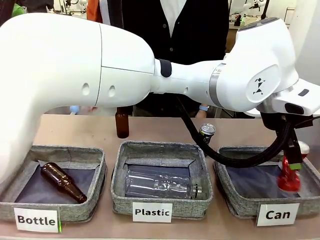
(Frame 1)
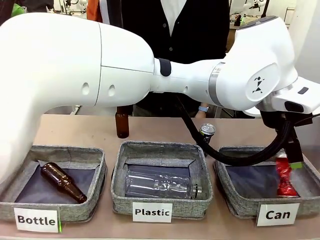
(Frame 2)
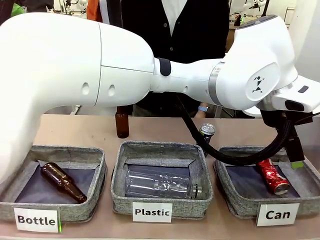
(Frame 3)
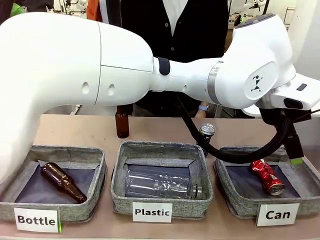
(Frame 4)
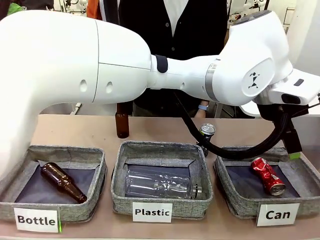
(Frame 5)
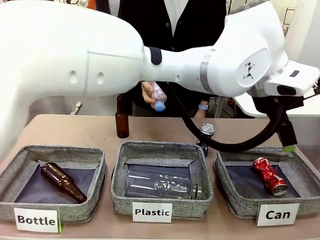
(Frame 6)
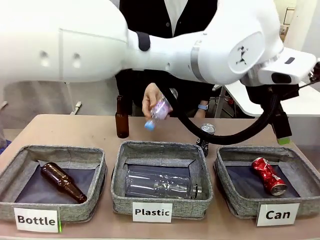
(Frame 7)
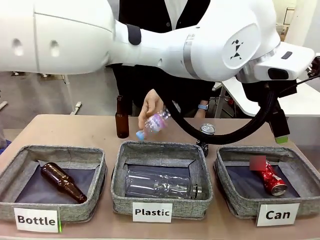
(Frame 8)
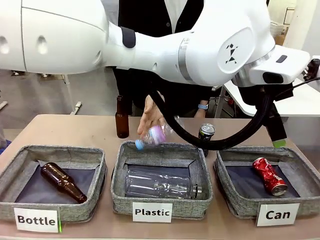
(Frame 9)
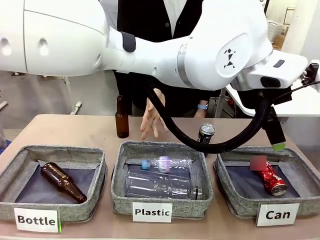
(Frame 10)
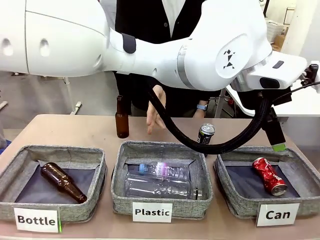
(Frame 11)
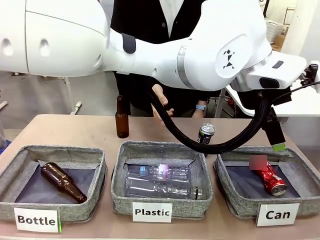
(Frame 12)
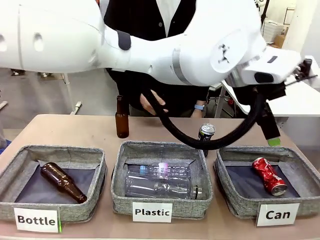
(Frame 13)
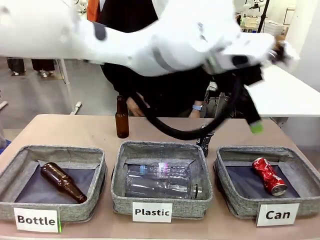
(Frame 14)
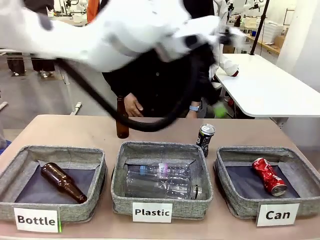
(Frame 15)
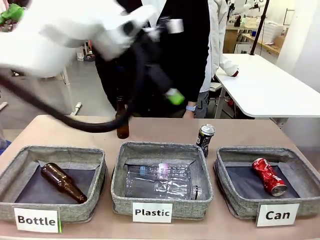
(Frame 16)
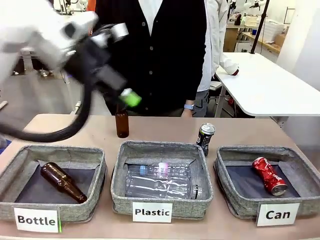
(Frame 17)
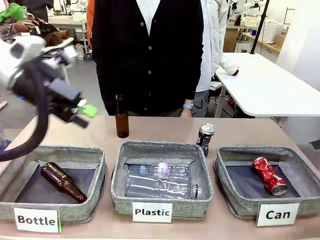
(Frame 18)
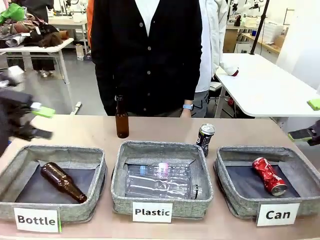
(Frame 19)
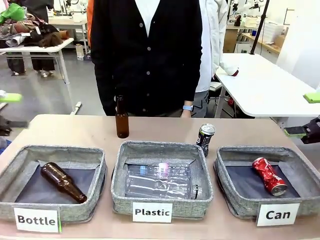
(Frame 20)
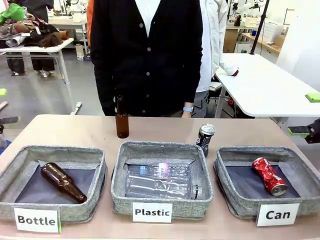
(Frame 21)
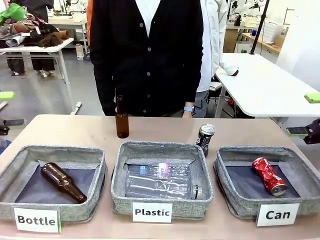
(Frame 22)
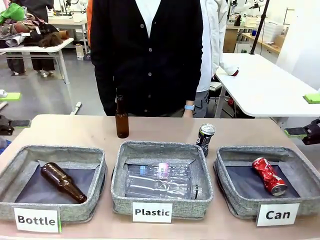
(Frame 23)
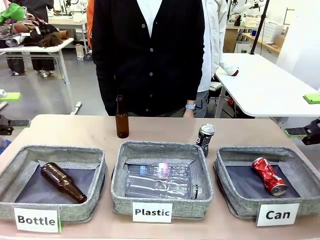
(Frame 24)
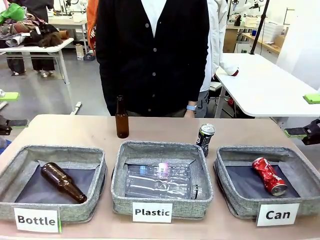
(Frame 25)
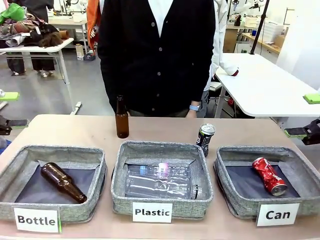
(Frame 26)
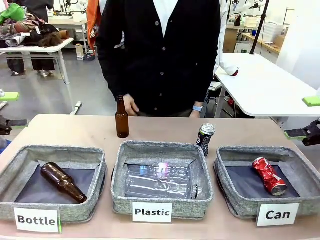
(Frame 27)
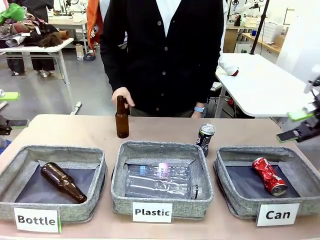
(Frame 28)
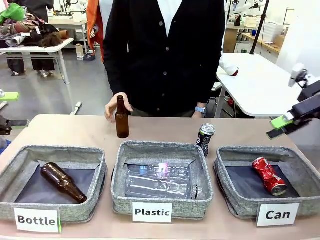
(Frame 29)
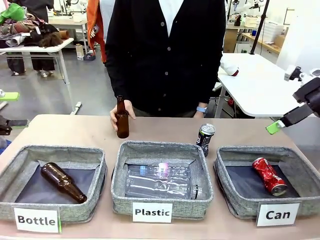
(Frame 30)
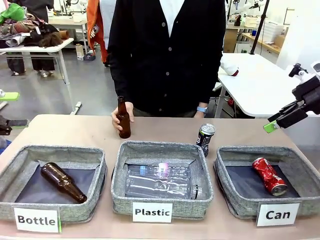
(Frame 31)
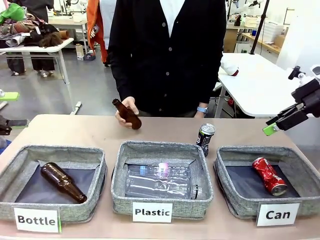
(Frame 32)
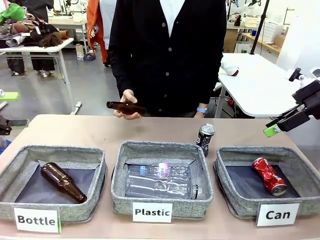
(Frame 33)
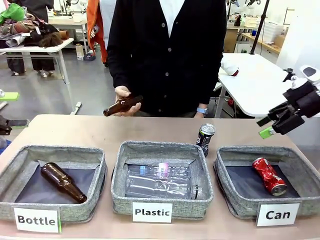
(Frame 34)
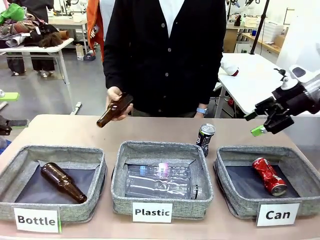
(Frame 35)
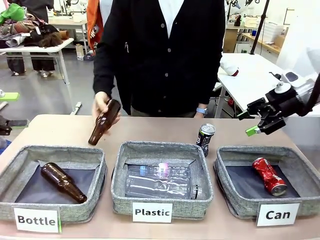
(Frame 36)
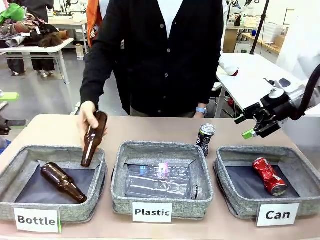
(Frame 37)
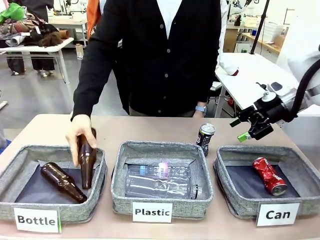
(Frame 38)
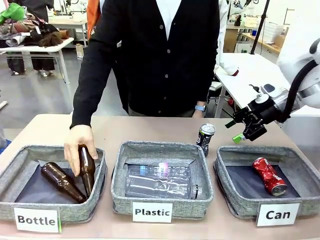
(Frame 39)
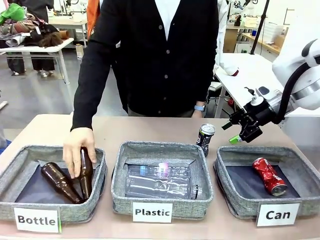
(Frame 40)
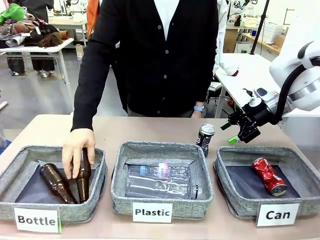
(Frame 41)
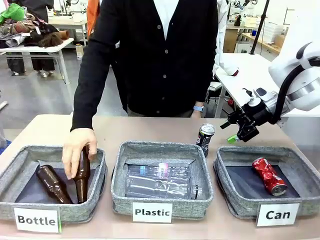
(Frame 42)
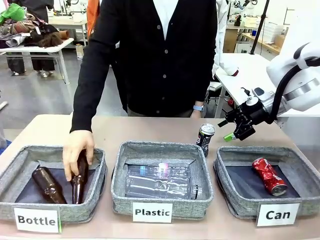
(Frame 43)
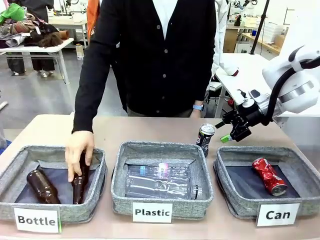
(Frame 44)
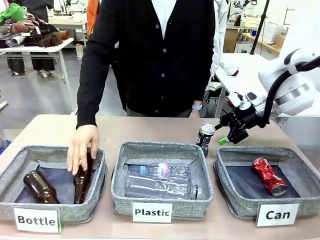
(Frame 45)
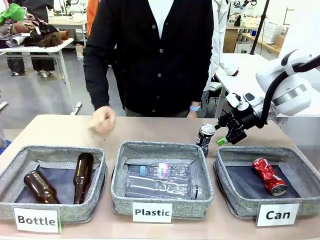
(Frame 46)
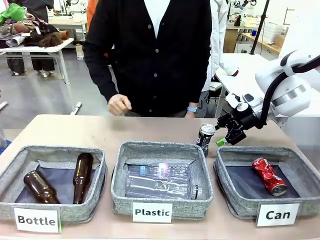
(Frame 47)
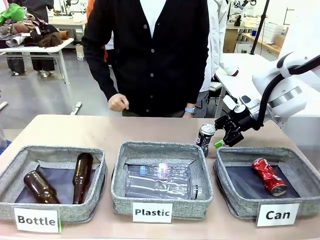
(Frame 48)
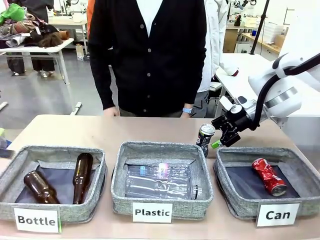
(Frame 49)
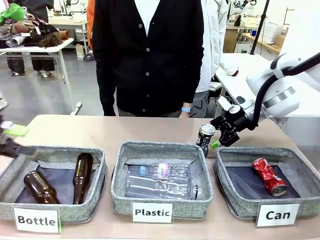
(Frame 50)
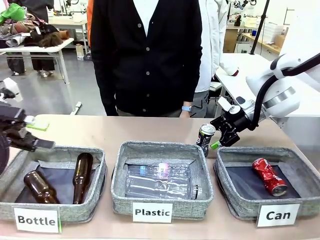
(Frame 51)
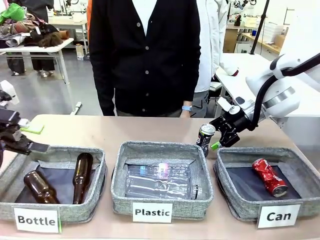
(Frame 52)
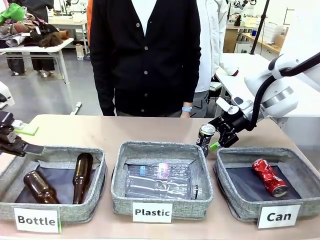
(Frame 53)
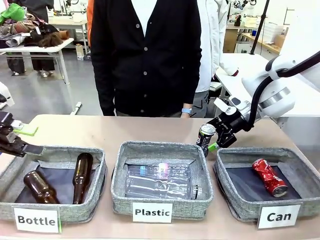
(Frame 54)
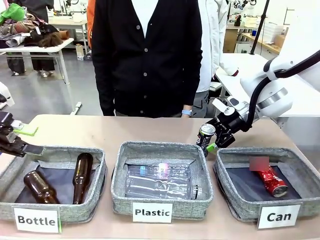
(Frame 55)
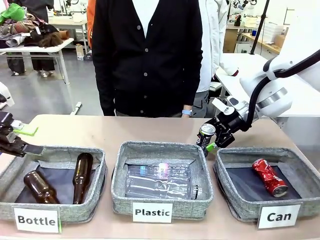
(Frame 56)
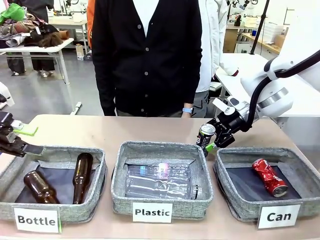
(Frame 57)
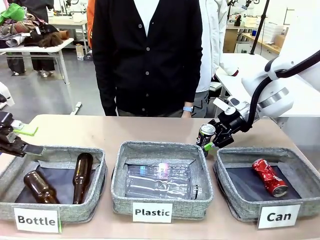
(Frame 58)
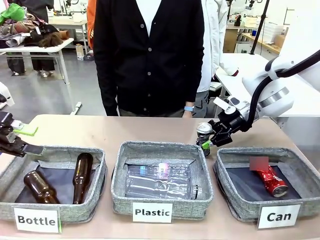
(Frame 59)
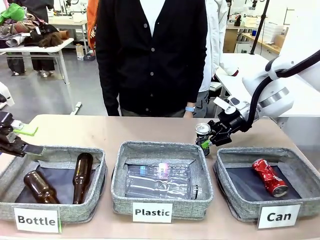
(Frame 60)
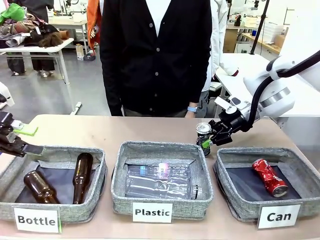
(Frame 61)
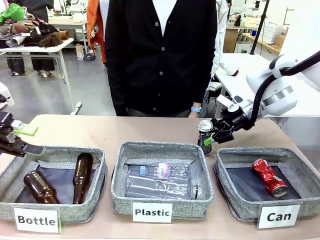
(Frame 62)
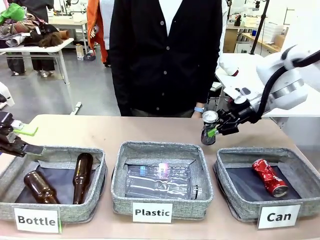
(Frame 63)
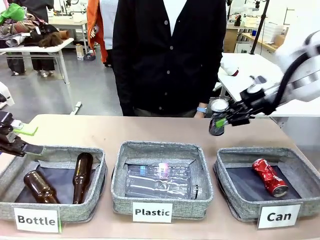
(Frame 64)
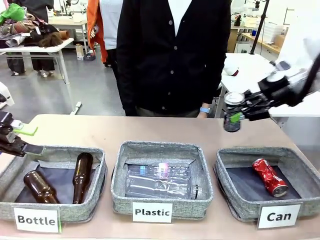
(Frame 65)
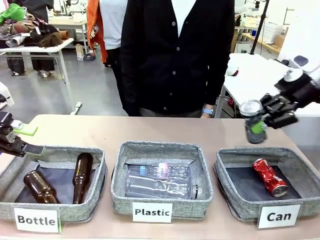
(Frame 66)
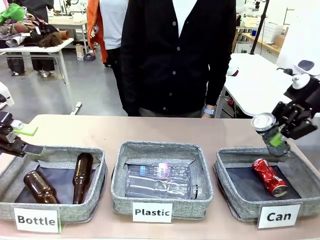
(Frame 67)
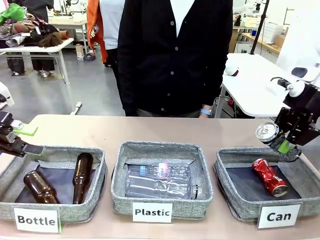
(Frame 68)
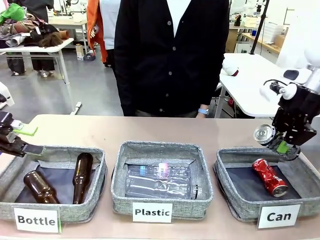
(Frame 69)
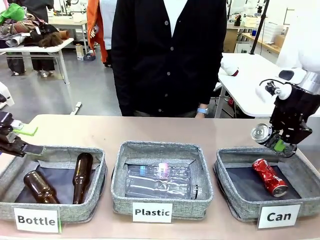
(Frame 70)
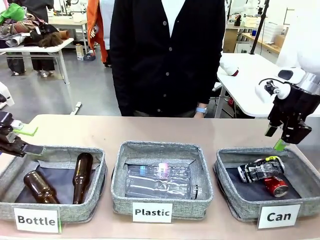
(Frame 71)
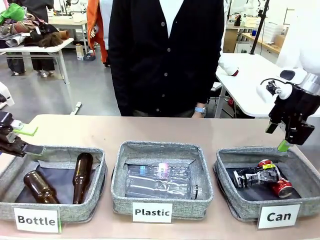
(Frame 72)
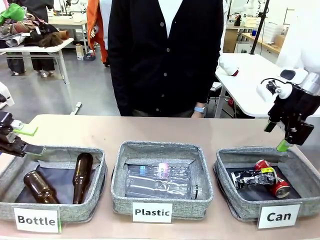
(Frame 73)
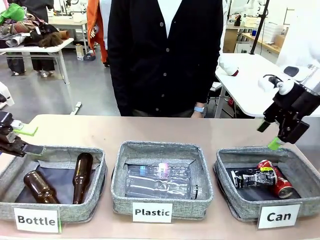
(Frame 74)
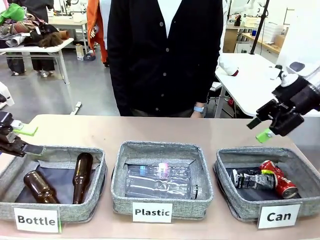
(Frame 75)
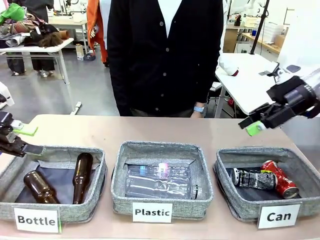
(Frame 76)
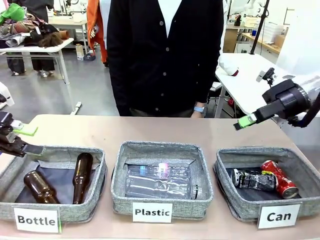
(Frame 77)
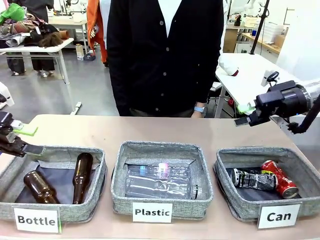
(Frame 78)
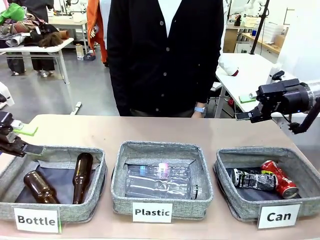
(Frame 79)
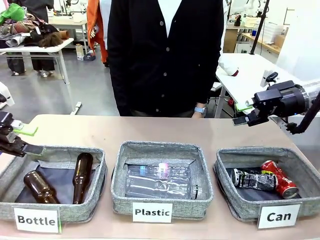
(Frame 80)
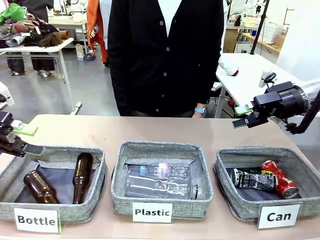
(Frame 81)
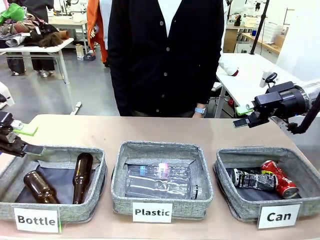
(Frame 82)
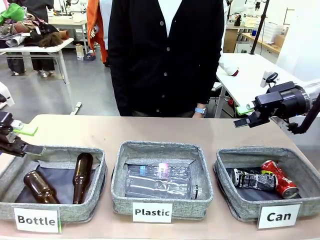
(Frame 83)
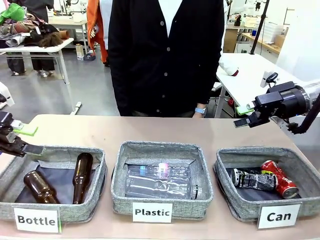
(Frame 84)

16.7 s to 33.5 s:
Task: Sort the can waste into the basket.
Robot: Pick up the can waste from the table and place it in the right Fabric basket.
Person: The human picks up one piece of trash that is not a can and places the trash into the appropriate organizing basket.
